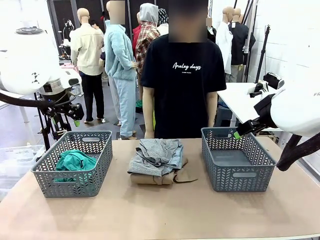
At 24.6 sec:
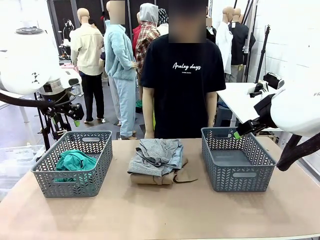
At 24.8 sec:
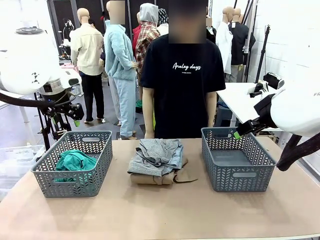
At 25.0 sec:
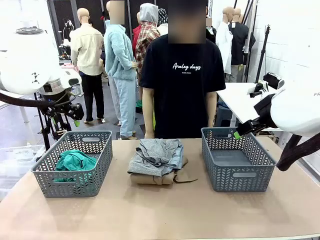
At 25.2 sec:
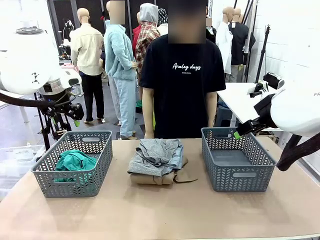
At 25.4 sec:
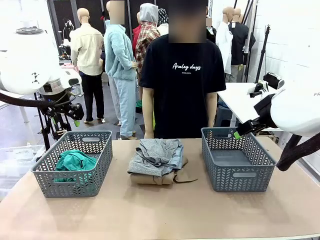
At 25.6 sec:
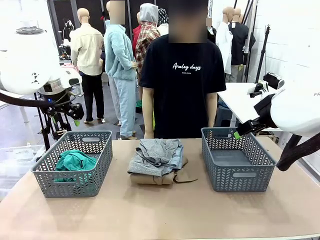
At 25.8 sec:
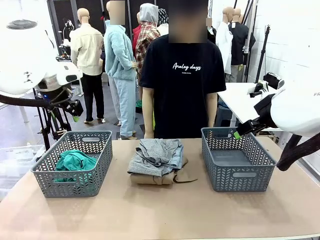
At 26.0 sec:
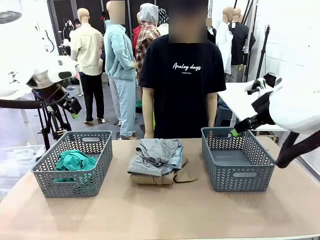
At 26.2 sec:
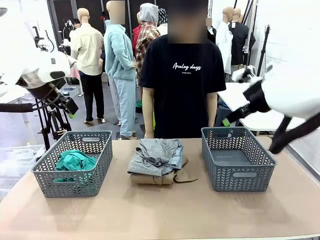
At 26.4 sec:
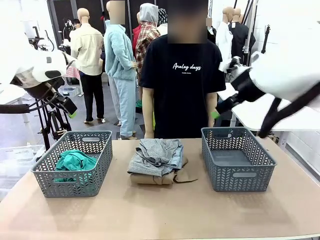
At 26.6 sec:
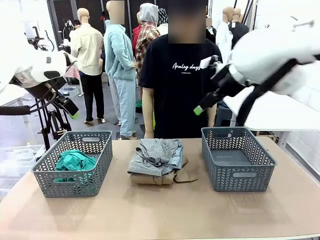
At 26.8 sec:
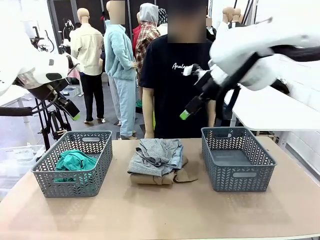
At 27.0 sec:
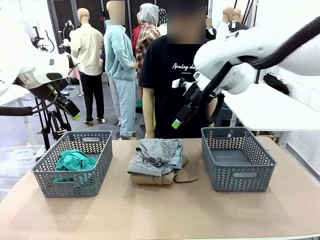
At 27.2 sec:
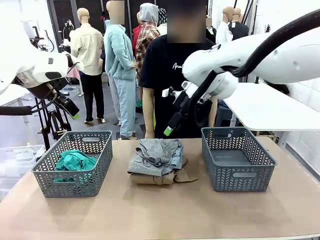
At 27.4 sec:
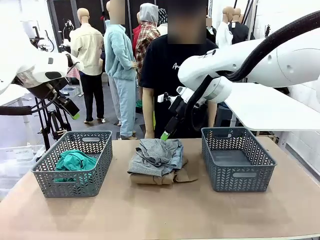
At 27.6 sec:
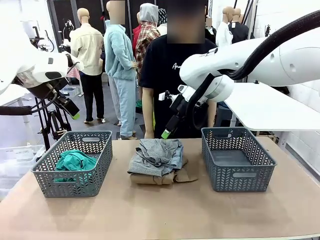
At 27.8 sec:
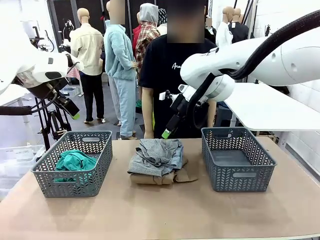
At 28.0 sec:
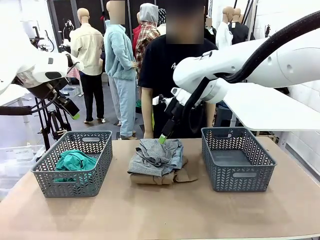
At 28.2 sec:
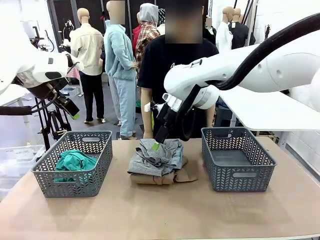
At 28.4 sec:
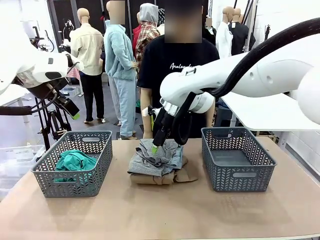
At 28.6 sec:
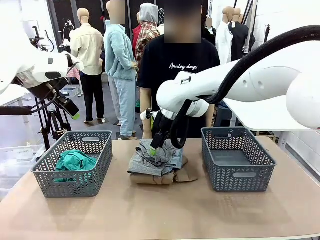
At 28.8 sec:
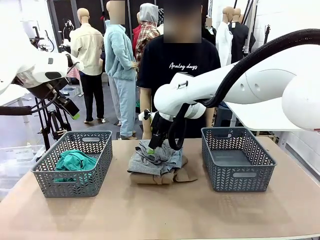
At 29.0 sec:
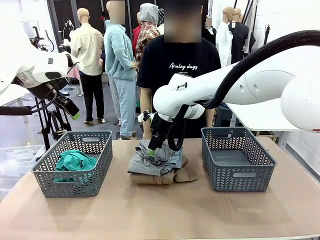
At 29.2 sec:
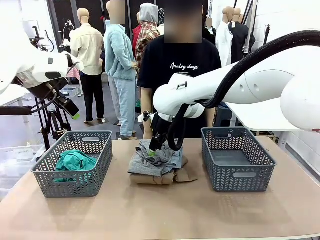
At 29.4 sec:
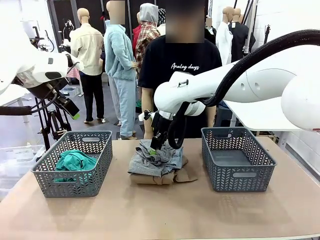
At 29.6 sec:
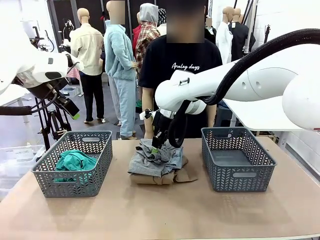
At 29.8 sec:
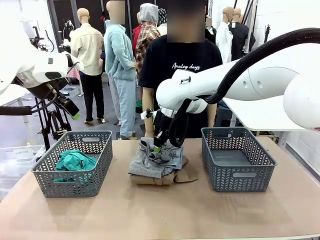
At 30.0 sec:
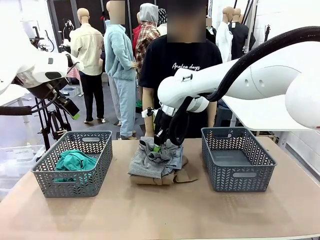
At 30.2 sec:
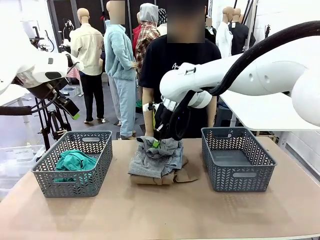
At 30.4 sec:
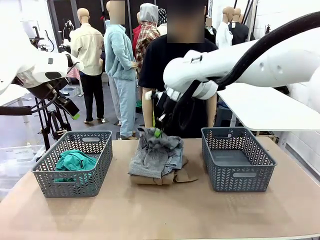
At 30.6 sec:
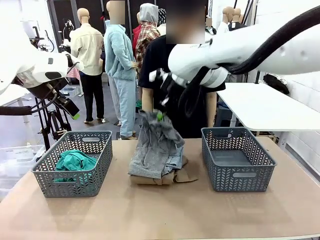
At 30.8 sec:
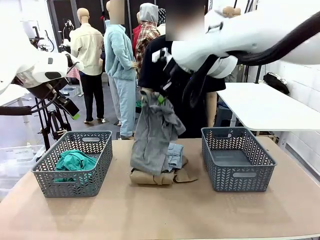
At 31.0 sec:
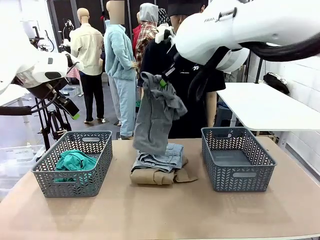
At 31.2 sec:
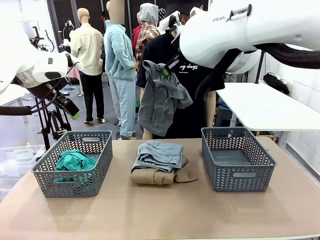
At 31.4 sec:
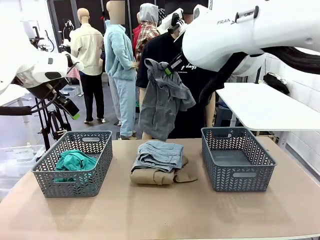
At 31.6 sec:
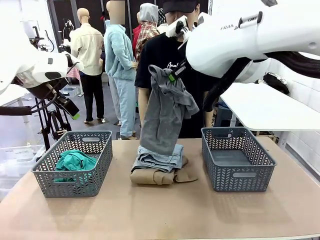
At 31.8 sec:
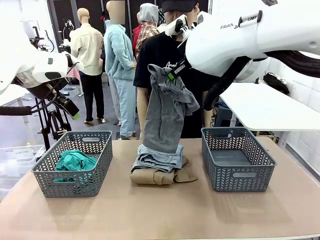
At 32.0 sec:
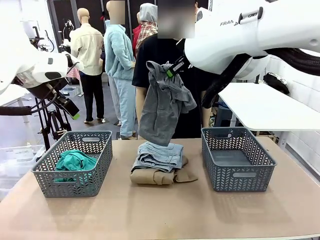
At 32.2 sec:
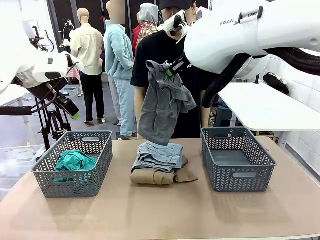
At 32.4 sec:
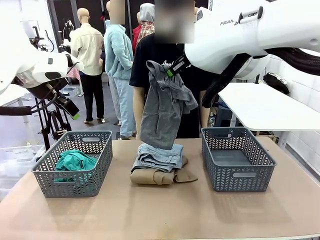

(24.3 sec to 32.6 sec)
Task: Sort the tops and bottoms.
Robot: Lift clothes from the center of the table with your right hand.

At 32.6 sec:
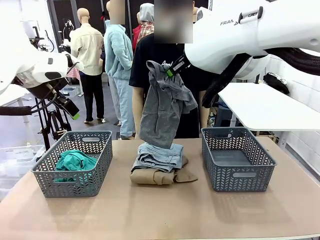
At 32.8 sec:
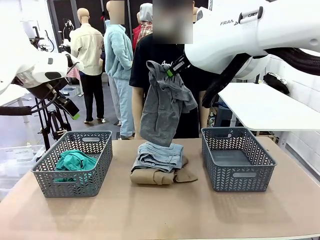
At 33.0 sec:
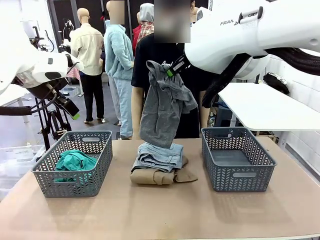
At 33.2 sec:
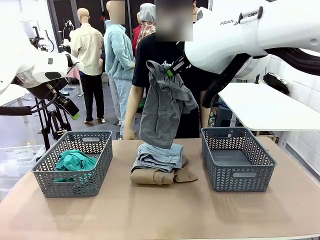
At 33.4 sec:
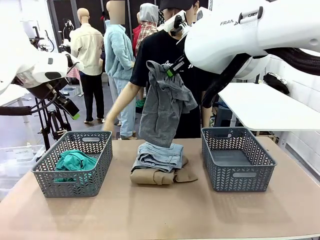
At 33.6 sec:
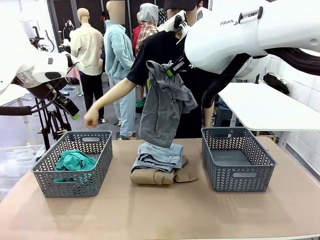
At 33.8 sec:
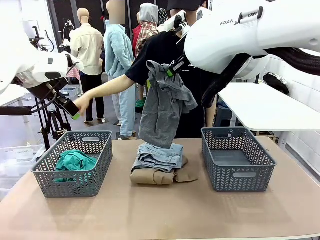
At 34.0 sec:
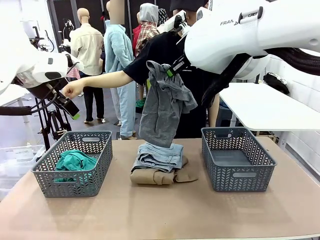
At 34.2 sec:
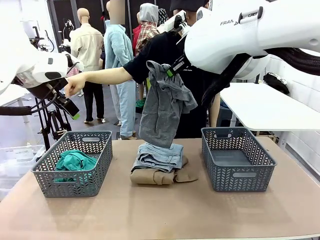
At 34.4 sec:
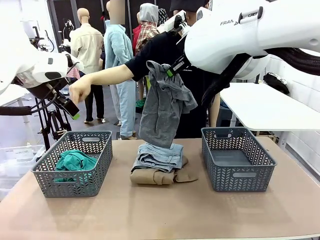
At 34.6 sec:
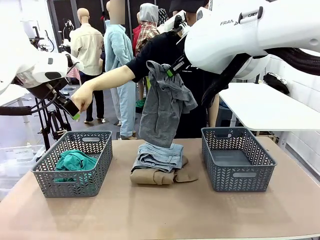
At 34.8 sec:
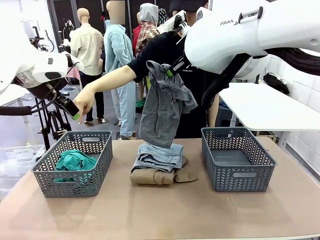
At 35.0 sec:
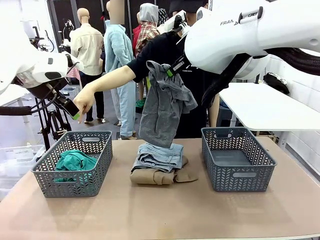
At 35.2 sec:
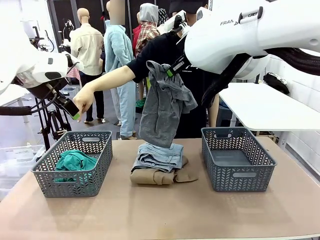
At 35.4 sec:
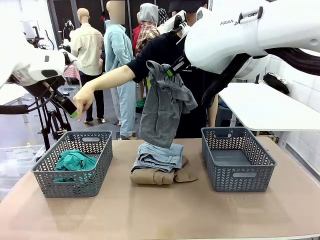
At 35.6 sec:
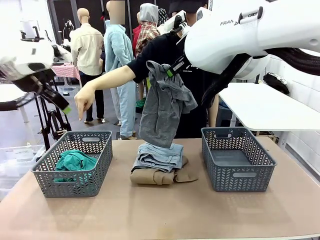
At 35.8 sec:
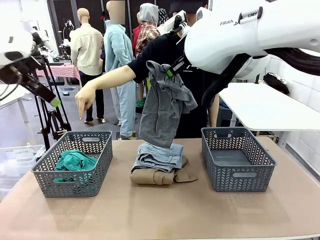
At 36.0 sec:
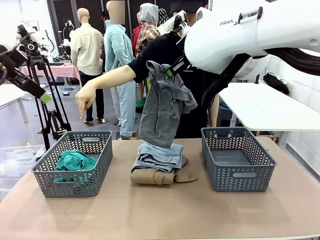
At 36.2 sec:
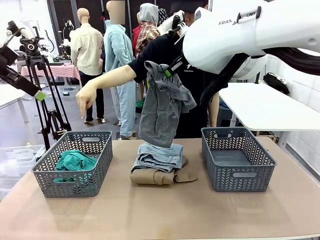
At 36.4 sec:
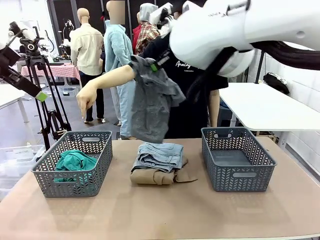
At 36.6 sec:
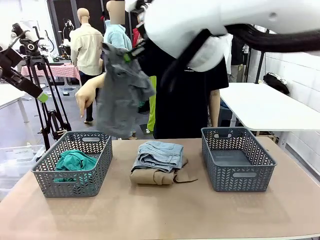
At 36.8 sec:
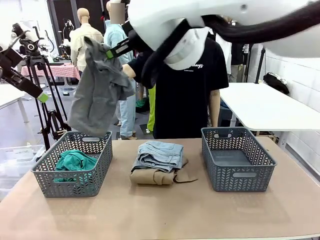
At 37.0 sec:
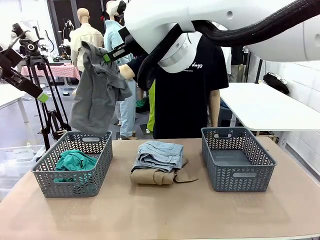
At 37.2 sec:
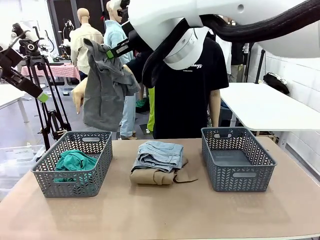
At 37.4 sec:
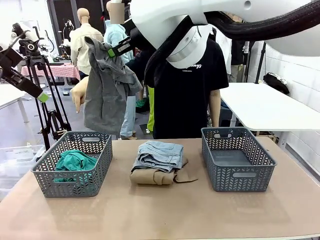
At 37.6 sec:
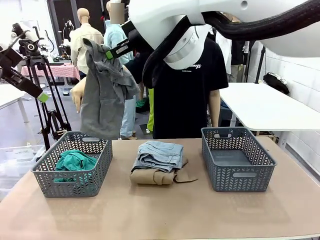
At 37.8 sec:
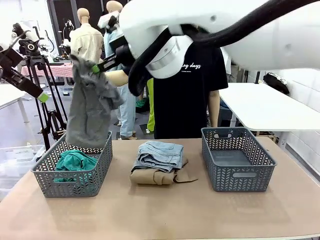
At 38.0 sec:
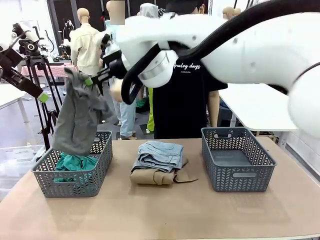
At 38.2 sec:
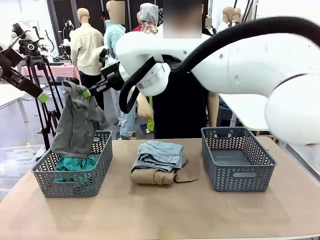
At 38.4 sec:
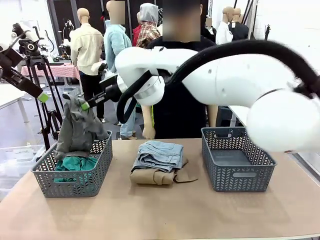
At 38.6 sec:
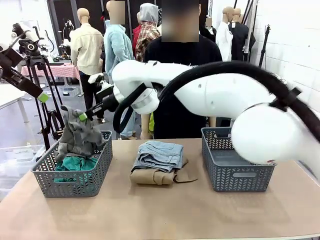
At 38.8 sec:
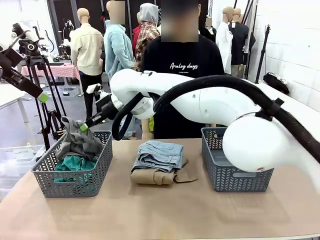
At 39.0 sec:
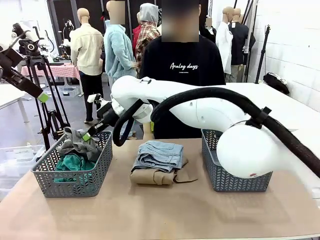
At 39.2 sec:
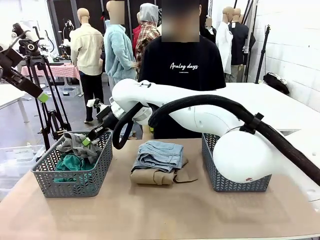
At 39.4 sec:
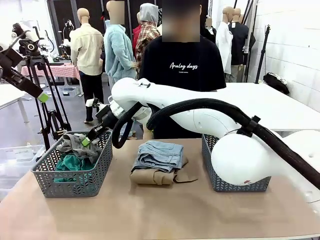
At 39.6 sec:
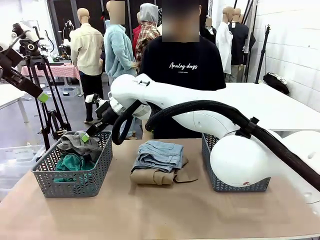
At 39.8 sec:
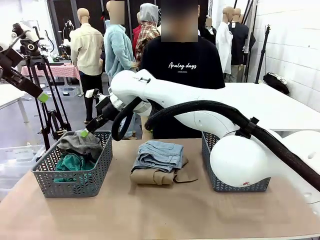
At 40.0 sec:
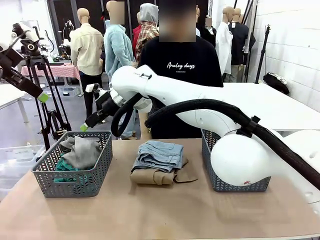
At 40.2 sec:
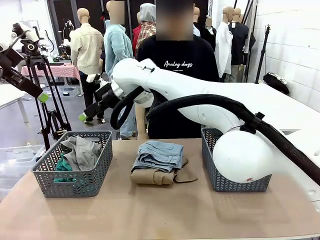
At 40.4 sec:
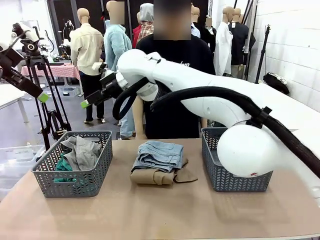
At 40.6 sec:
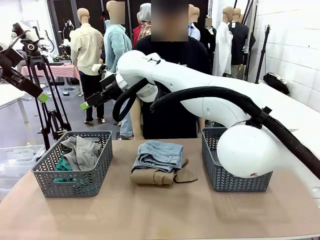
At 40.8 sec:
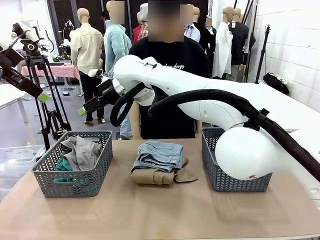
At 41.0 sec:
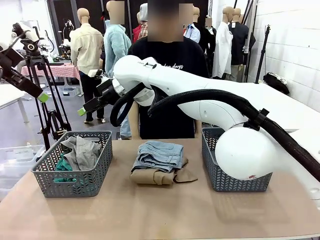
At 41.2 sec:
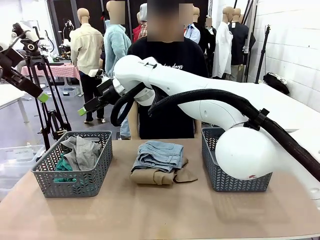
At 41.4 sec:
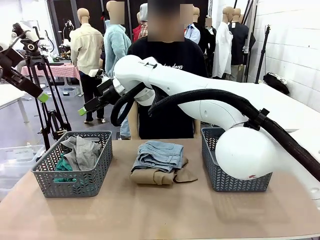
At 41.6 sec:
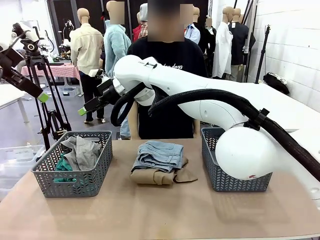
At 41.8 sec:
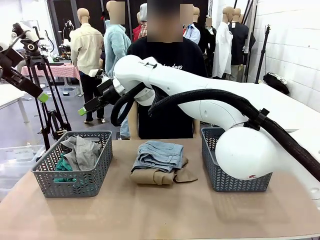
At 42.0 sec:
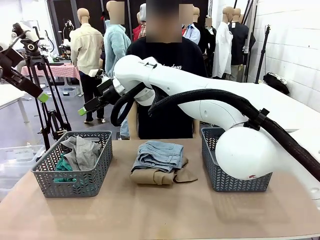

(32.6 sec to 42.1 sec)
Robot: Sort the clothes according to human instructions.
